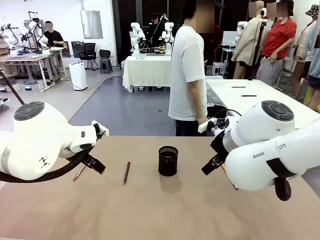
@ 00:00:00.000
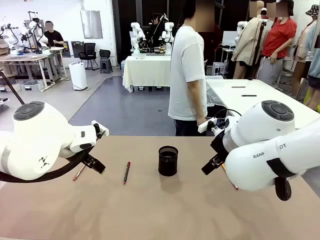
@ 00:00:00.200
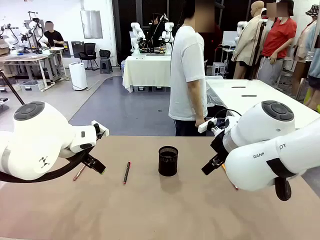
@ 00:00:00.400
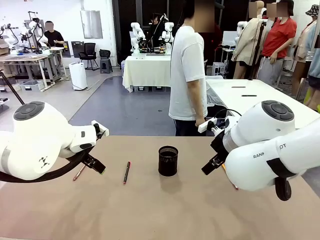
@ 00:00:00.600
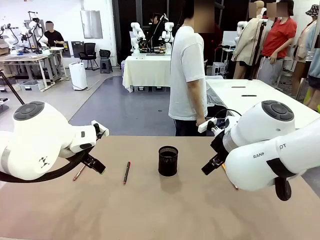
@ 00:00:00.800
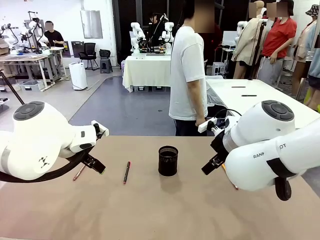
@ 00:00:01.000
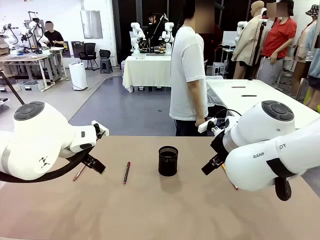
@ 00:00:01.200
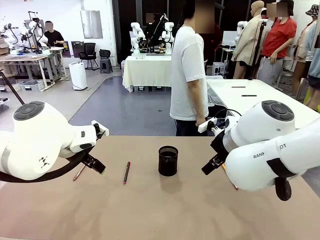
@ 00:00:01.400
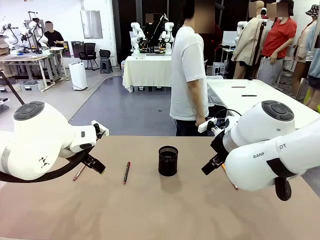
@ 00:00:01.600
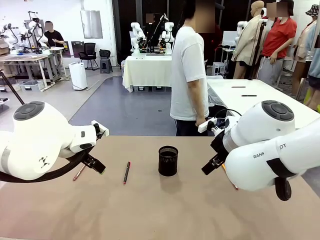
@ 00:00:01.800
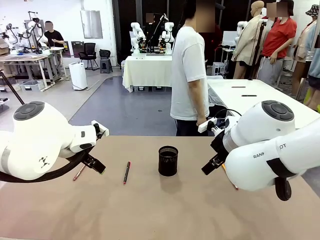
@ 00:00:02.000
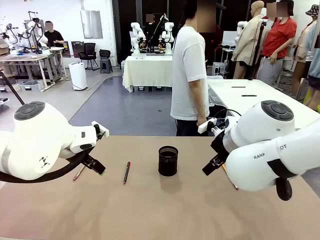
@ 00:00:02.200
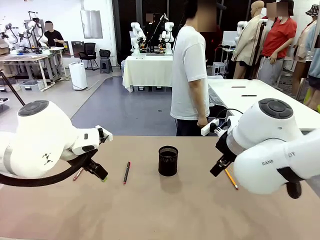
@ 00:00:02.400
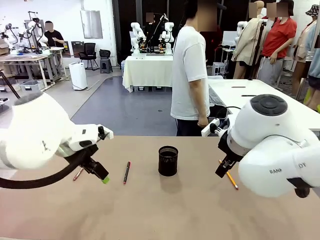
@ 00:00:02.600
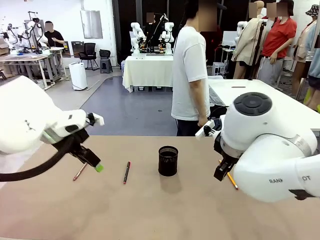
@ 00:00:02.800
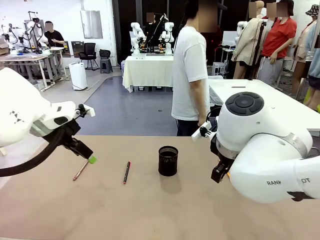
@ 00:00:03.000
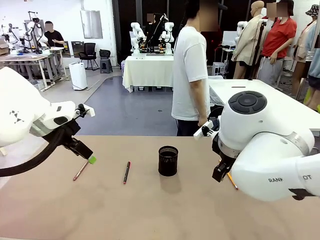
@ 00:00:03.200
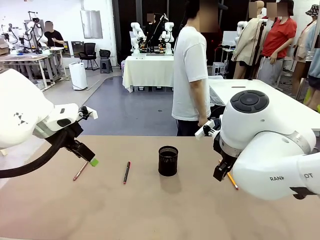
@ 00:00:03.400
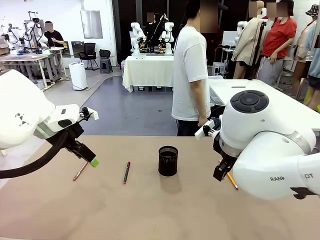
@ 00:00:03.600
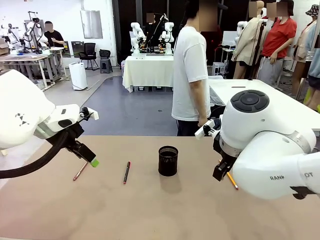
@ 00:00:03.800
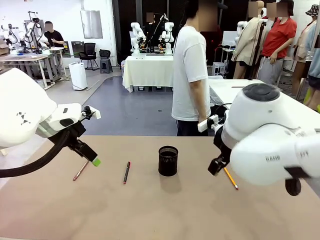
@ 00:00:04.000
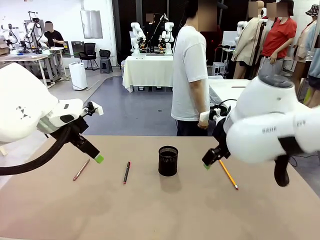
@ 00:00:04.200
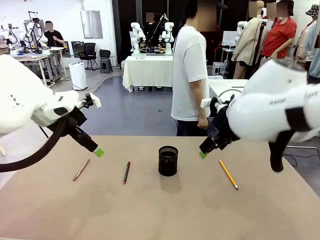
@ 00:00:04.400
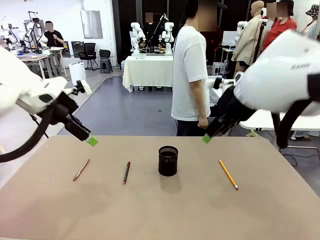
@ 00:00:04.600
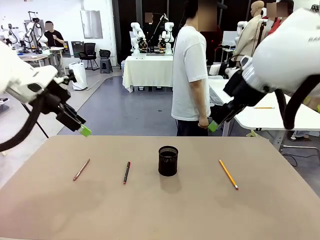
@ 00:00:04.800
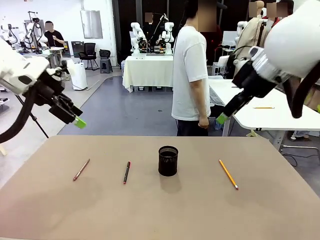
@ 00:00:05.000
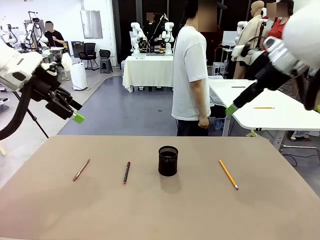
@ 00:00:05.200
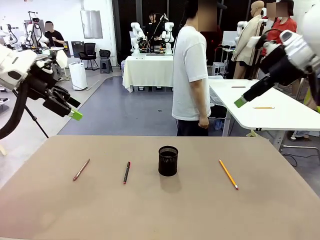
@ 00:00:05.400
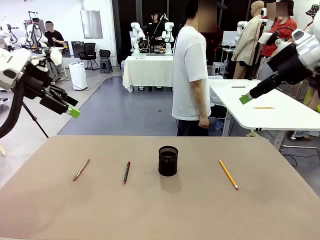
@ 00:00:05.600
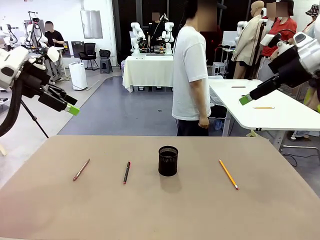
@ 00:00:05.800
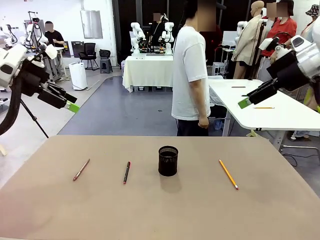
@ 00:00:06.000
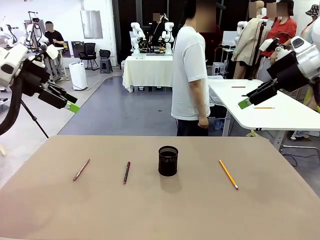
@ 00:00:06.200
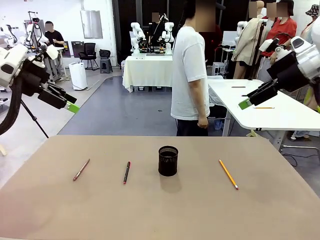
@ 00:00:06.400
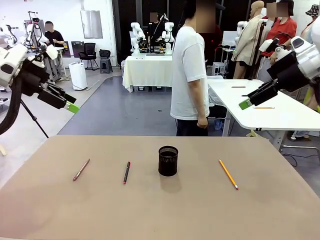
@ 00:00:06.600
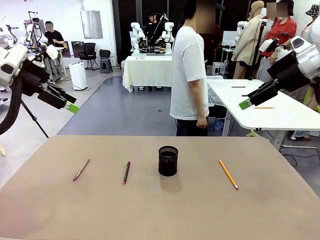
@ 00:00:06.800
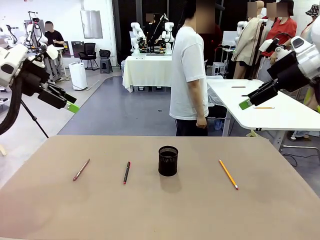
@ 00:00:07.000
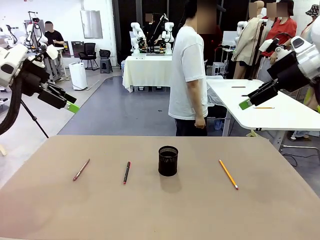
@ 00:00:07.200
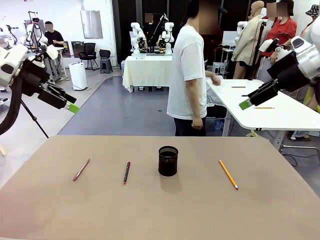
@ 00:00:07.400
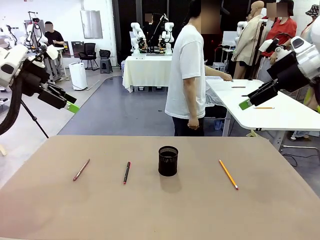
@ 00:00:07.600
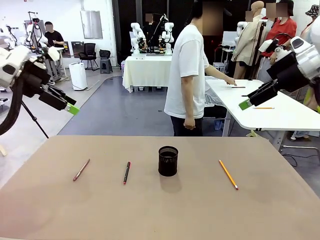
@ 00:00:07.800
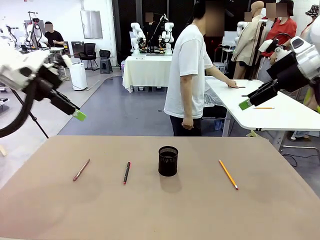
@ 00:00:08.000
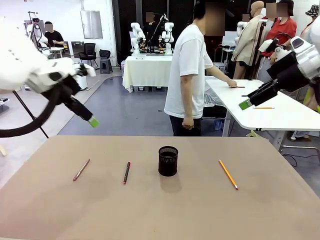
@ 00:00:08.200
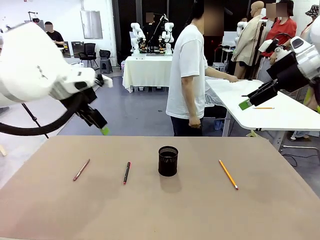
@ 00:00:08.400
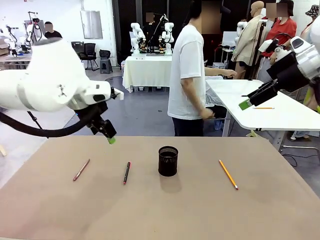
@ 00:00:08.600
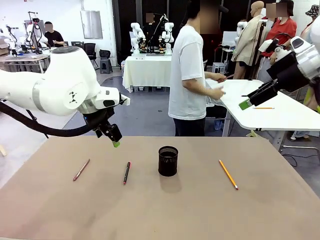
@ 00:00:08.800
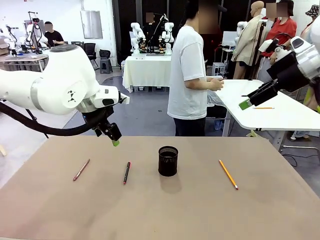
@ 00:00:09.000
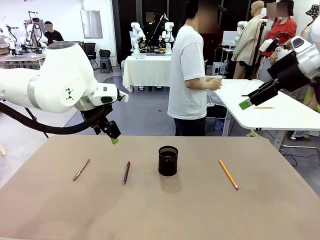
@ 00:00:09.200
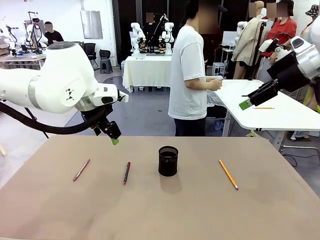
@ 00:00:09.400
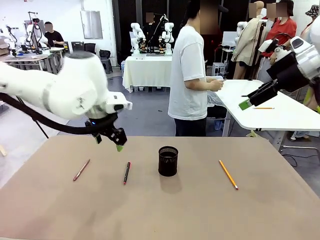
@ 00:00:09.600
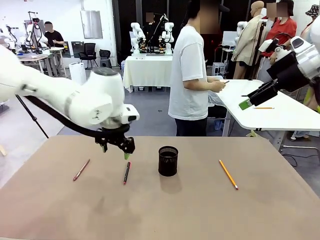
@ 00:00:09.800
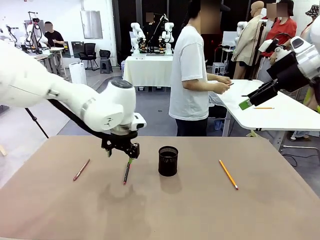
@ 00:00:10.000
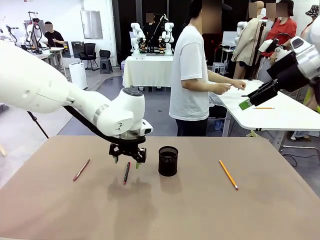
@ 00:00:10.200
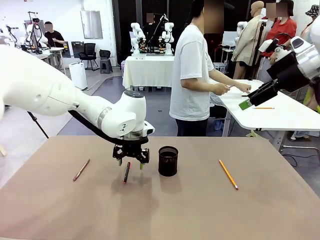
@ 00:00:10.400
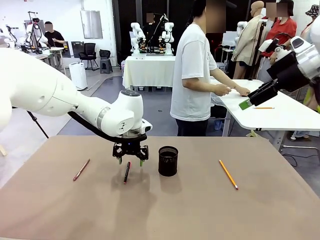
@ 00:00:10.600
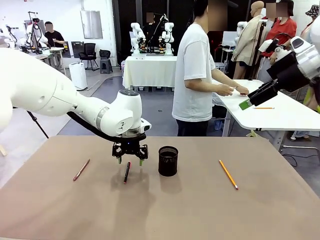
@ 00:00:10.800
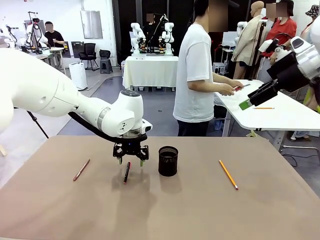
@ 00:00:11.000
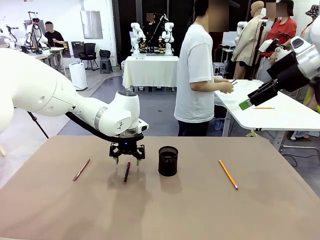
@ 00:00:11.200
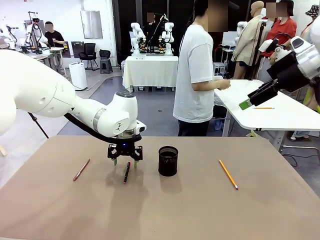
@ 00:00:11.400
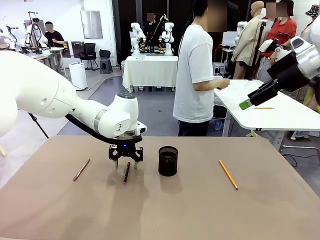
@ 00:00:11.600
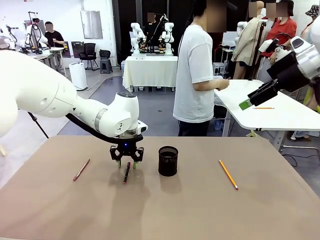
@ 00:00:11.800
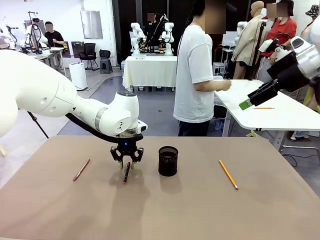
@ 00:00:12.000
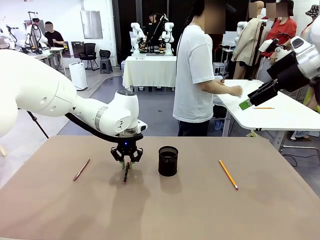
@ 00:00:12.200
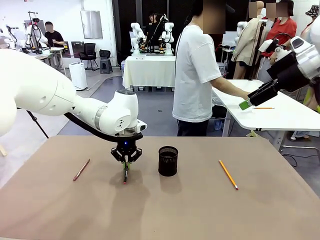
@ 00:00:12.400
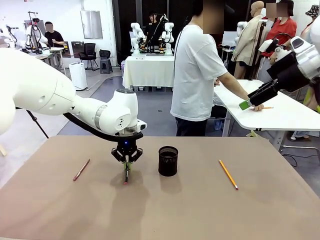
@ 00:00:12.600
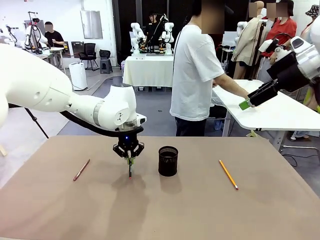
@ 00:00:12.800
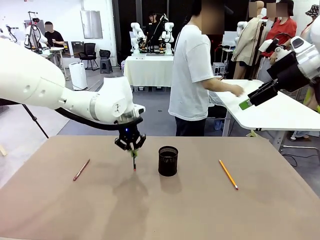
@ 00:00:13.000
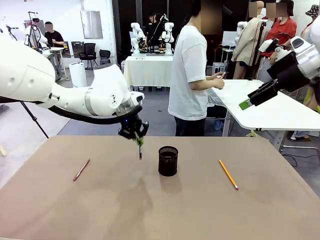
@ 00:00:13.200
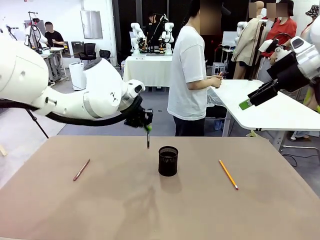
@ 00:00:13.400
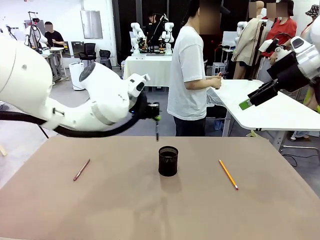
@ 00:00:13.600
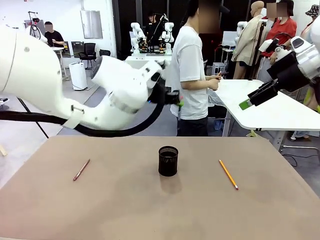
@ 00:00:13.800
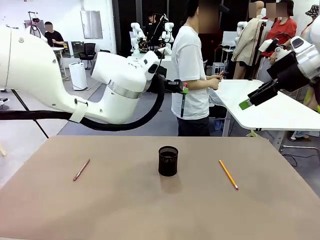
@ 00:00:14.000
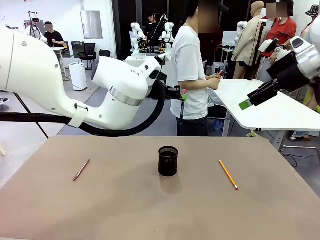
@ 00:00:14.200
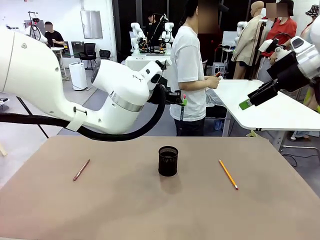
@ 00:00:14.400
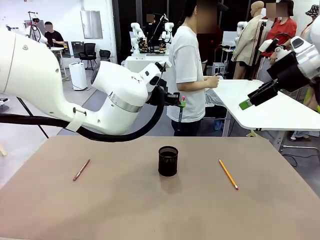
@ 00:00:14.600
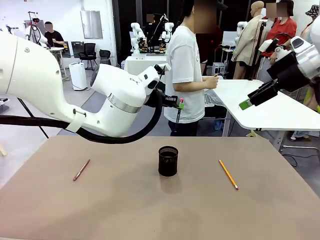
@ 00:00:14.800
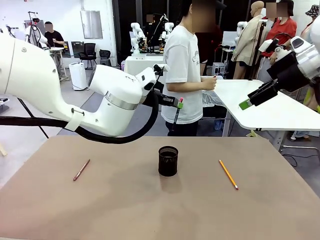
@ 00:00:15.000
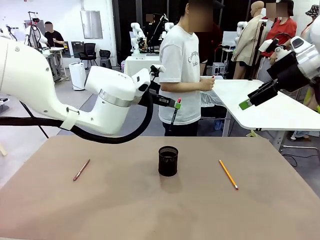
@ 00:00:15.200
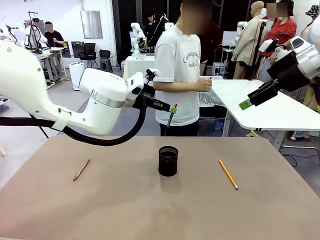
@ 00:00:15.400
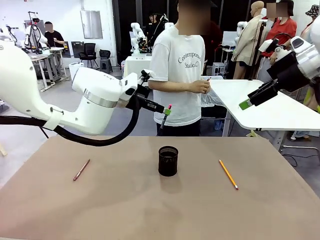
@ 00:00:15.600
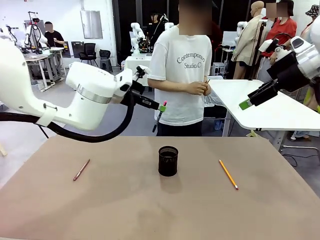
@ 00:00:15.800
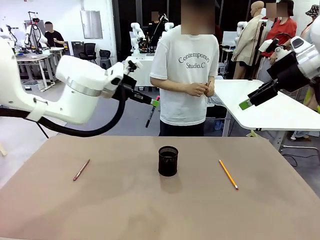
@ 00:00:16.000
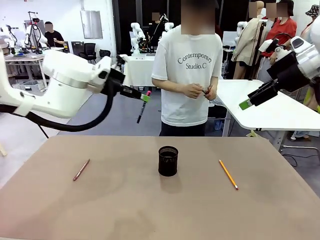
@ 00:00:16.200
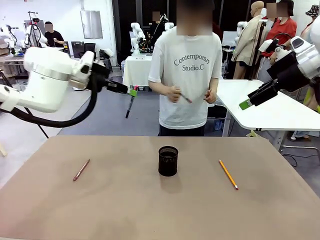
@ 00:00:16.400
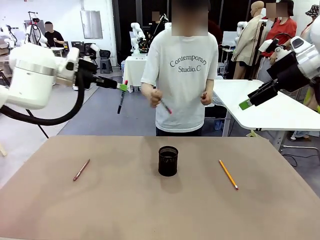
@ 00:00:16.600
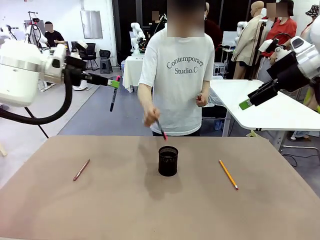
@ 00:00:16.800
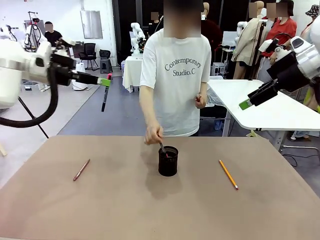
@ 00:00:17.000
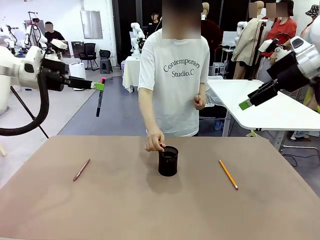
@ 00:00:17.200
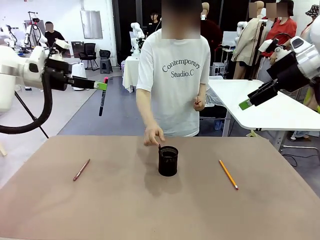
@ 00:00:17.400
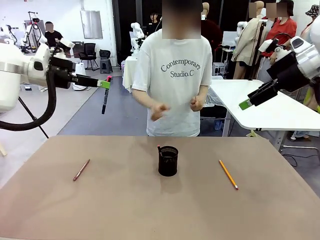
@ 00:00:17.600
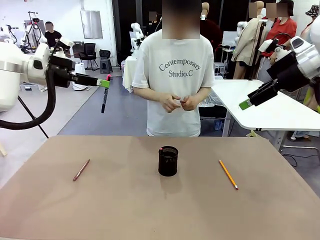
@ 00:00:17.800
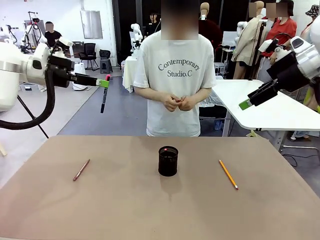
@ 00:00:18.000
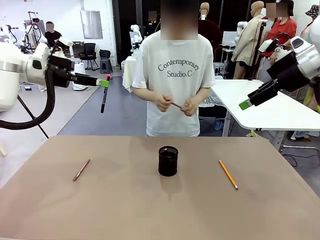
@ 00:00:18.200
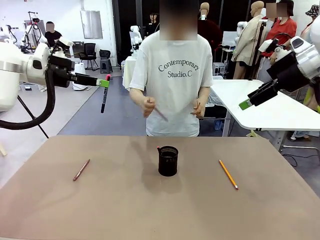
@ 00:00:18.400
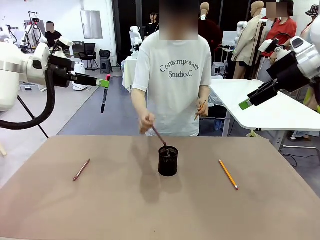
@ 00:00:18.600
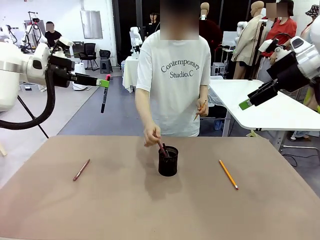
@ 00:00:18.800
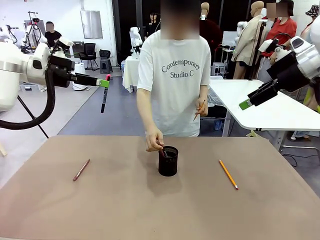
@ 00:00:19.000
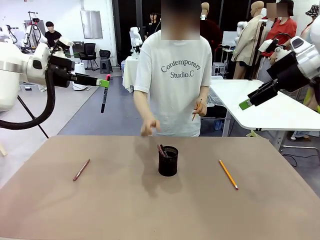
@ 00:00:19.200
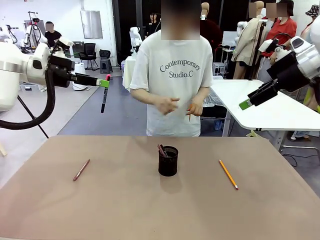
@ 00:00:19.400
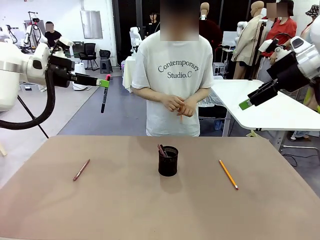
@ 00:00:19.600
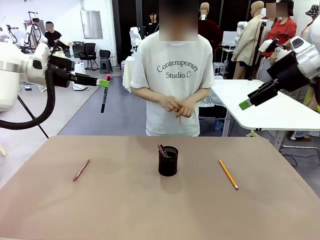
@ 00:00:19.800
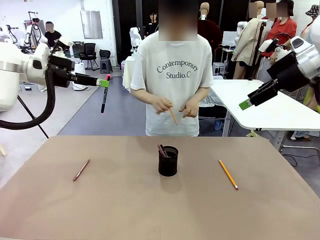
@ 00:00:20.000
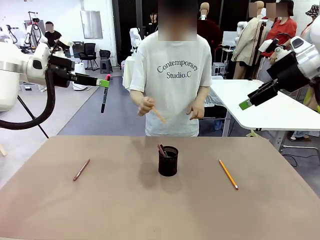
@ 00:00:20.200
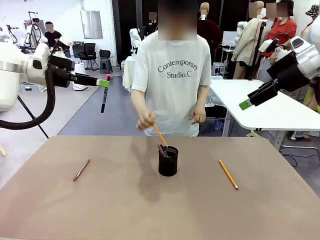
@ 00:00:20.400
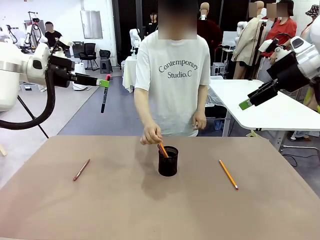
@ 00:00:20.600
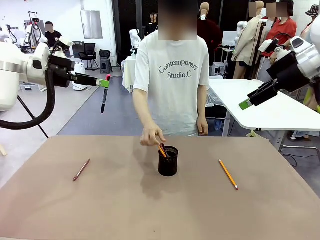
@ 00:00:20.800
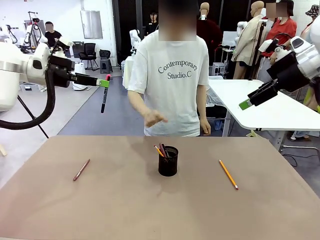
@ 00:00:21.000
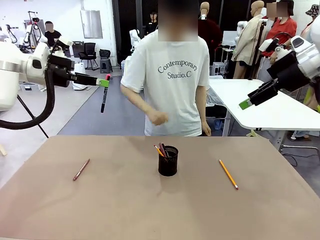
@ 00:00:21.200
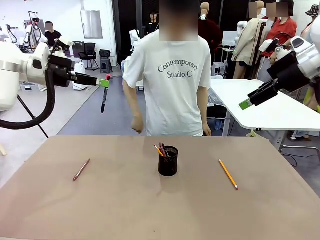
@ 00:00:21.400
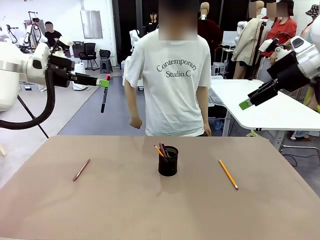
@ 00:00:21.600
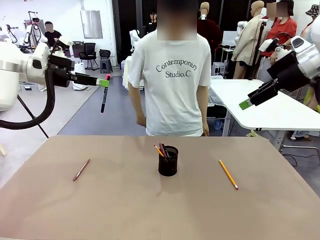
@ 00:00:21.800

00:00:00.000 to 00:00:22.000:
Task: Place the pens into the pen holder.
Robot: Pick up a writing instrument from the table and place it into the Pen holder.
Person: Pick up all writing instruments from the Human table.
